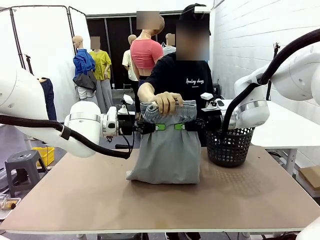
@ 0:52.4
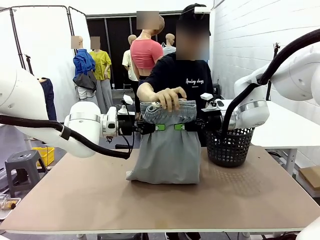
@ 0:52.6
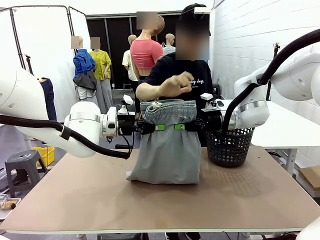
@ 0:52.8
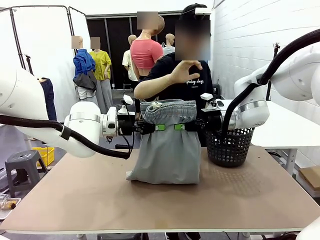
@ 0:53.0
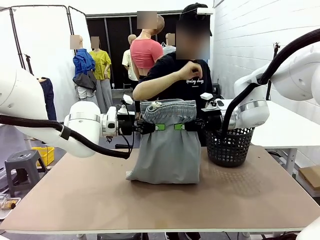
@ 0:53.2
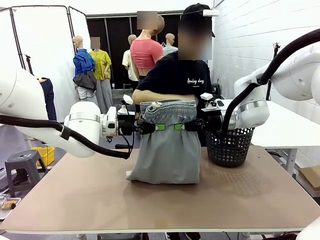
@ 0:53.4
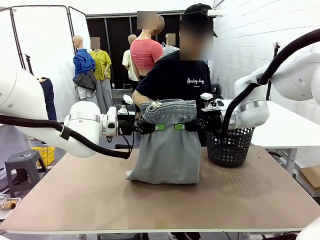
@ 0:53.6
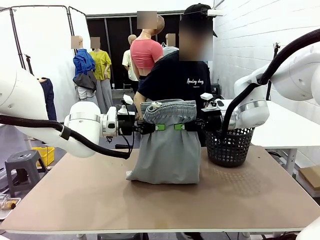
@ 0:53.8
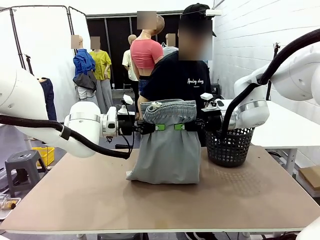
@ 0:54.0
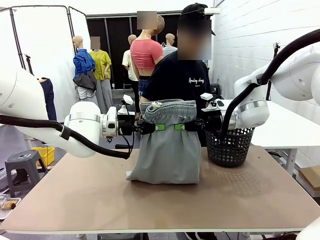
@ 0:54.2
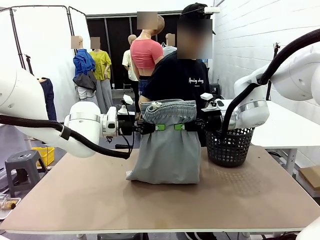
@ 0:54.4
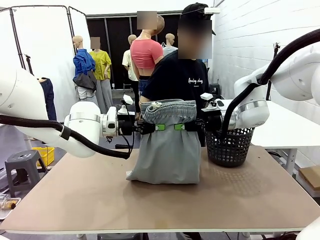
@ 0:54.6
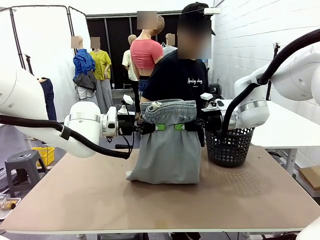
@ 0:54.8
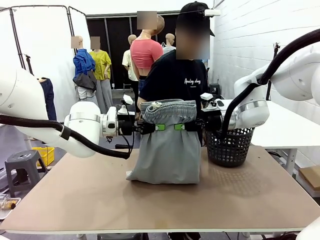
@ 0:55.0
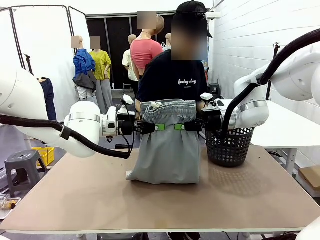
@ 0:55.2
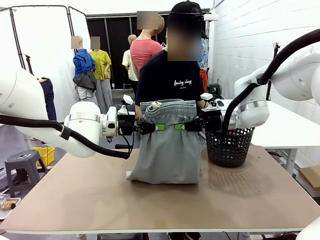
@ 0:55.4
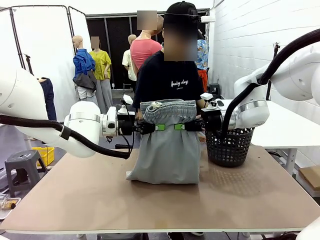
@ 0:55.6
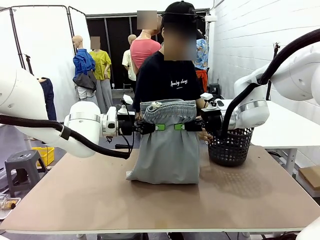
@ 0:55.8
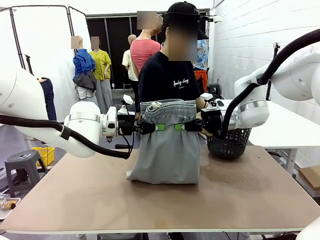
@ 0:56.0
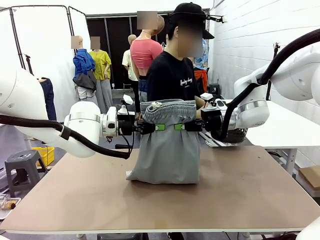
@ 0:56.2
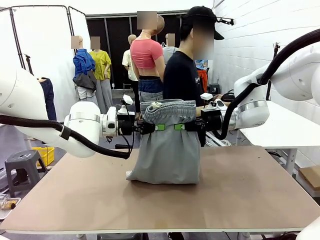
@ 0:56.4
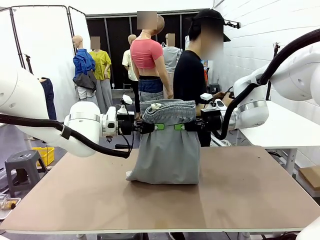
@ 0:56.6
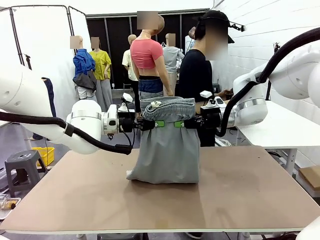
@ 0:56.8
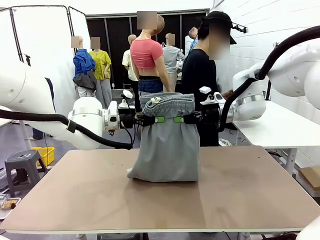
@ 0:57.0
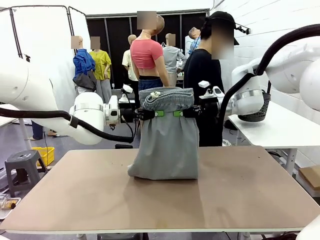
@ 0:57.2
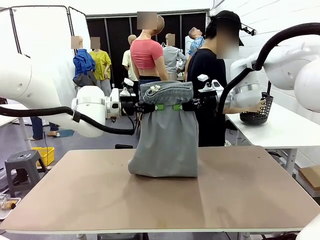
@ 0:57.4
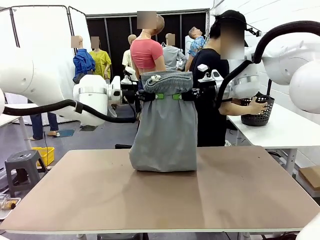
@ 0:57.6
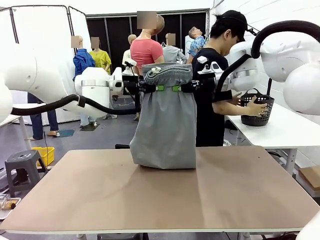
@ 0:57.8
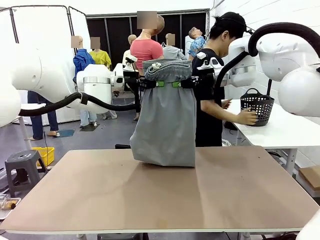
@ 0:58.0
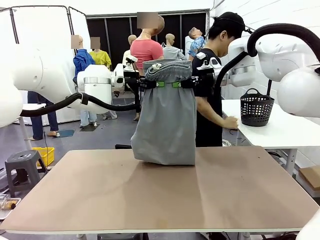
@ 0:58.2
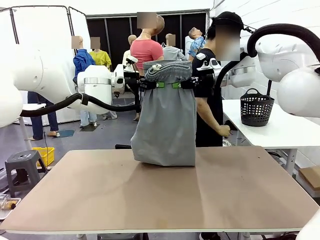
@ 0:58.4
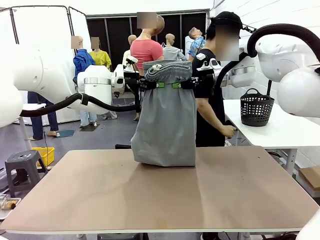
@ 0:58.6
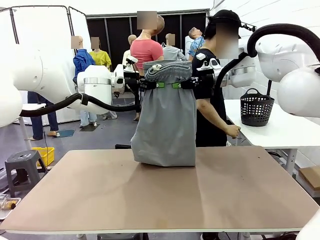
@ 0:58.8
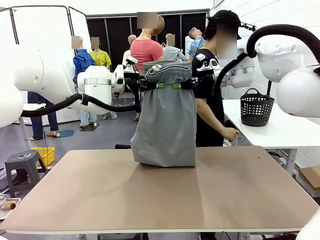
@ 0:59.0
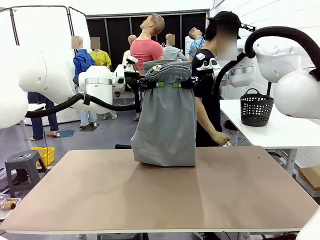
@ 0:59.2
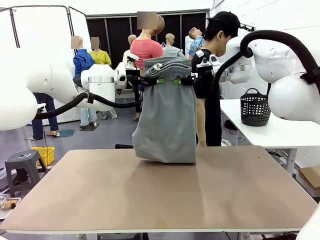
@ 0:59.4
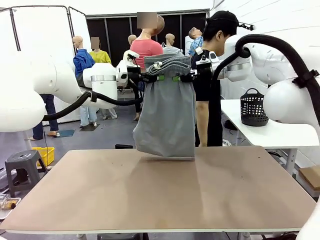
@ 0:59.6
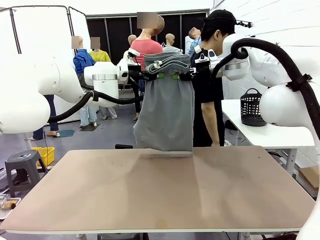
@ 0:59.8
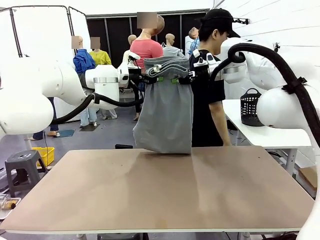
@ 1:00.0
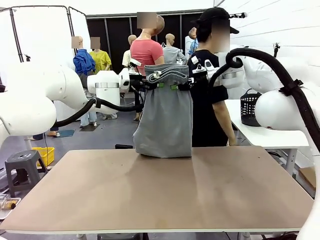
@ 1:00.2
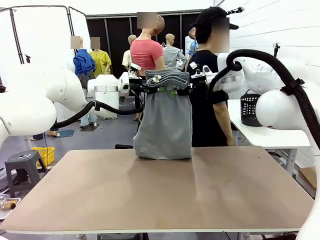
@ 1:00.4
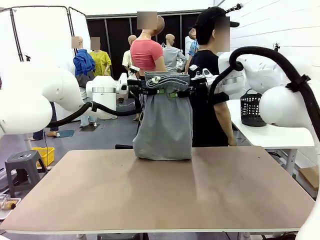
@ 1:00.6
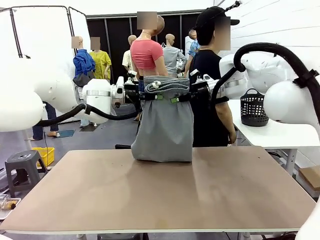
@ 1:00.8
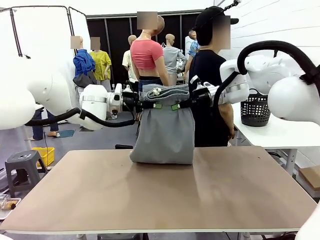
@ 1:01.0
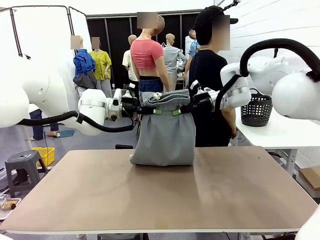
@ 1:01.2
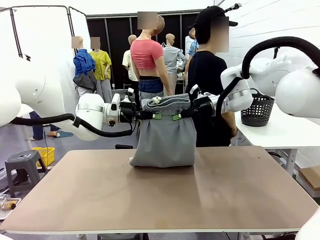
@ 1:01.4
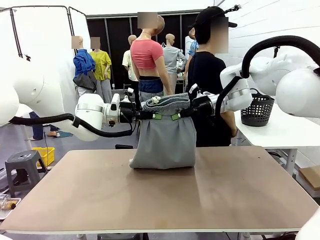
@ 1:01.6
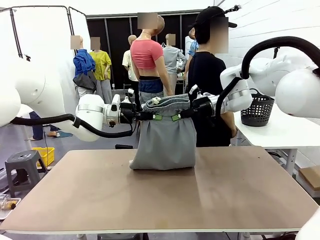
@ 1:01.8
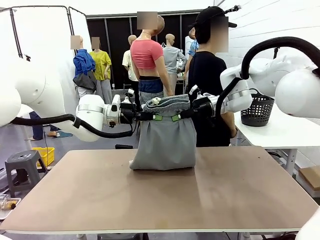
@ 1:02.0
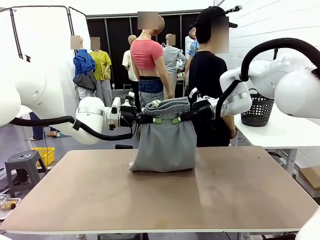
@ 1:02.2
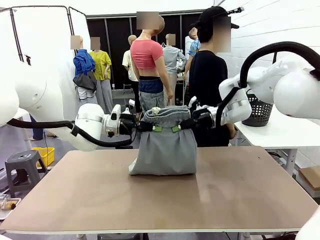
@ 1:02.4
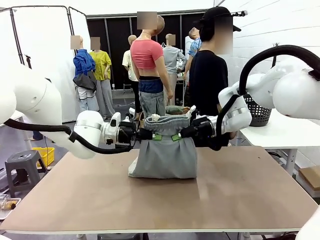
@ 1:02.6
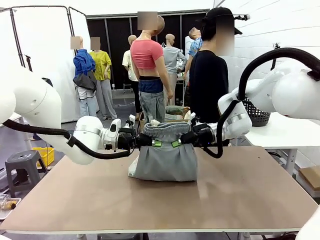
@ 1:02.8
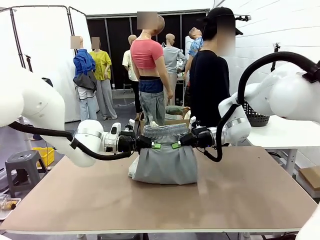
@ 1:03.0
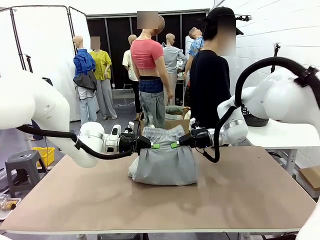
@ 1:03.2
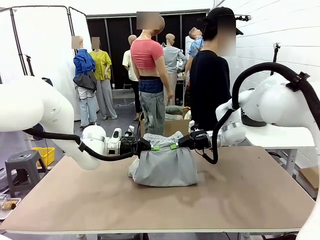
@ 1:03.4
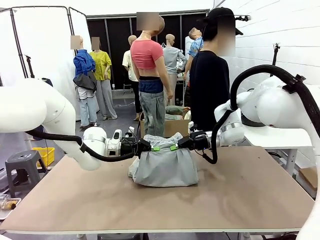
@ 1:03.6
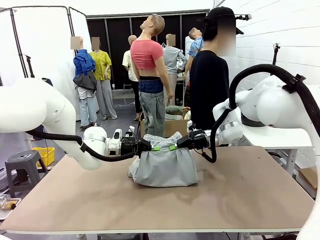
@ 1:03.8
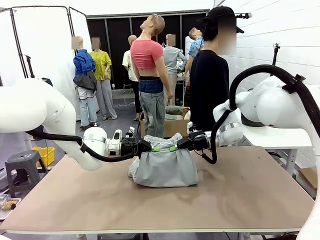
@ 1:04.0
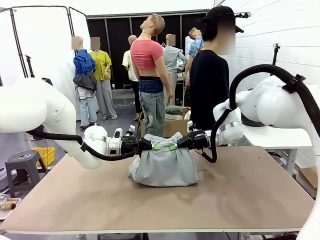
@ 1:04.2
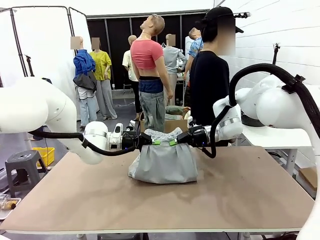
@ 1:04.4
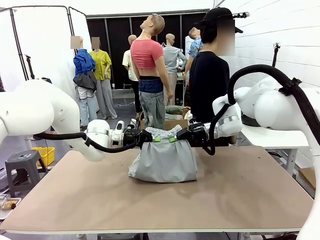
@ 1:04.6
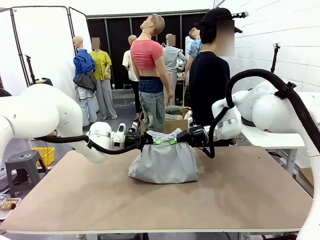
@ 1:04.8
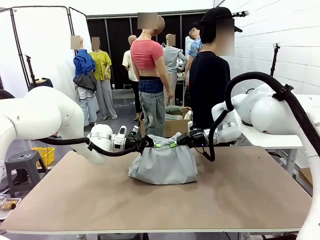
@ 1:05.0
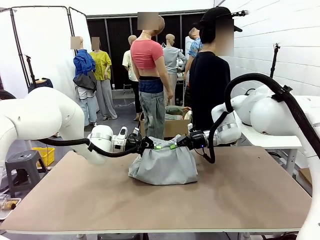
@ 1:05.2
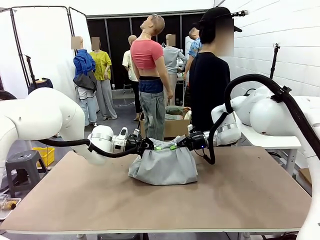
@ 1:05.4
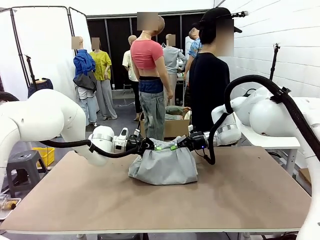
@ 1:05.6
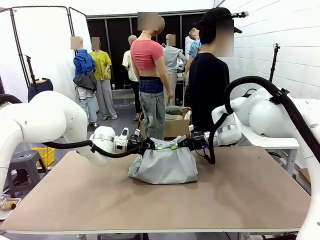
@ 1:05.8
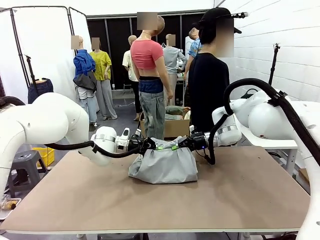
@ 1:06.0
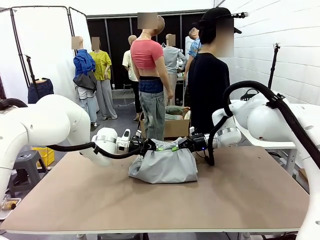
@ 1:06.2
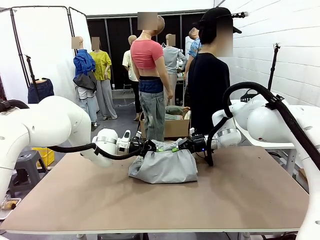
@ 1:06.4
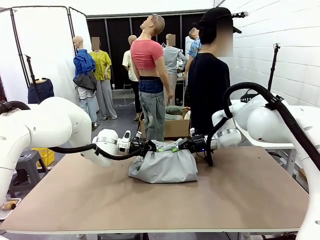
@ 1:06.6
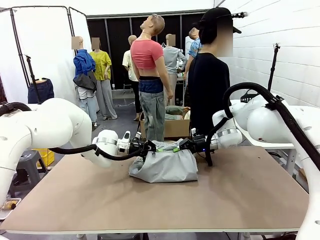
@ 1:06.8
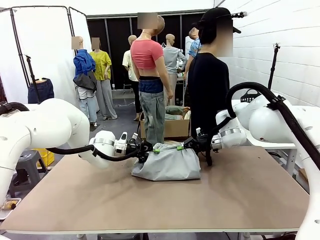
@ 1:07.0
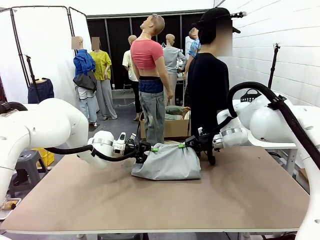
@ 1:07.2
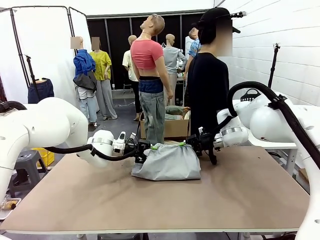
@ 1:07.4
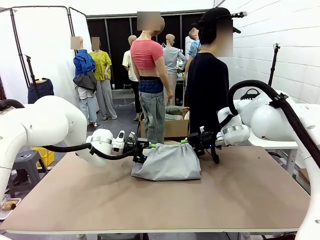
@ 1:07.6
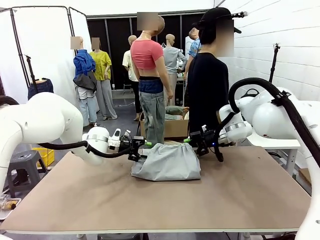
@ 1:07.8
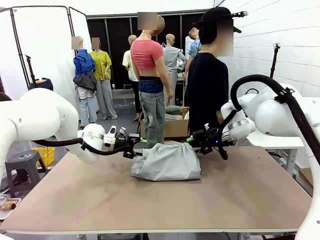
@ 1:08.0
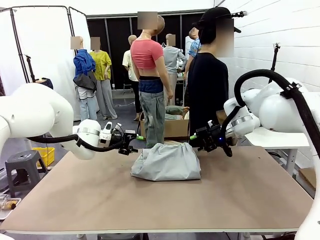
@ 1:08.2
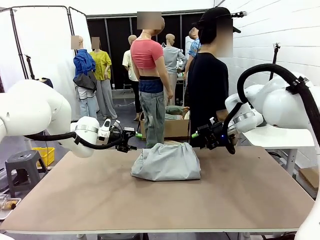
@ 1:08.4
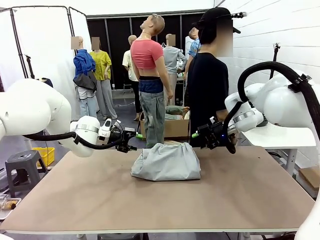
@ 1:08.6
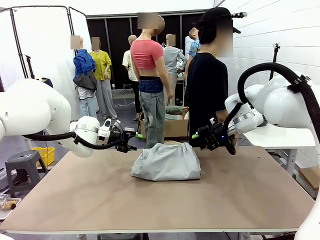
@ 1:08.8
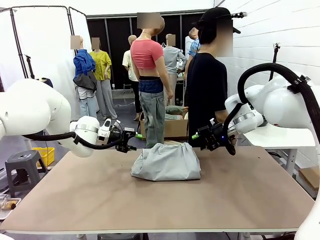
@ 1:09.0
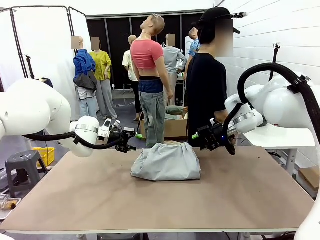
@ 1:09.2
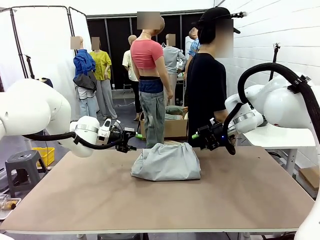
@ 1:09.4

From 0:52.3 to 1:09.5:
Task: Fold the training pants.
Robot: Fold the Training pants in half.
Person: Move the laundry basket to the right of the human table.
